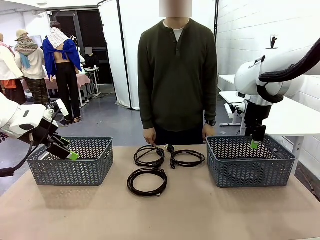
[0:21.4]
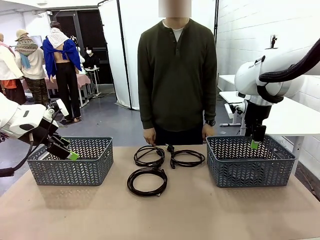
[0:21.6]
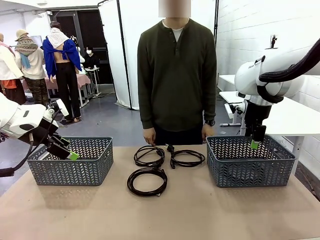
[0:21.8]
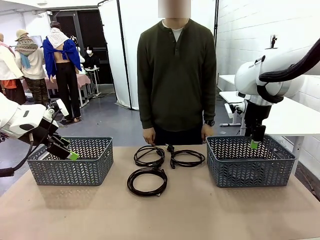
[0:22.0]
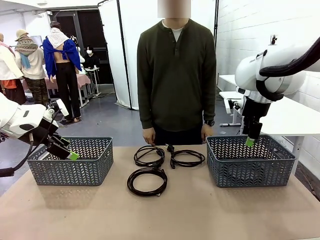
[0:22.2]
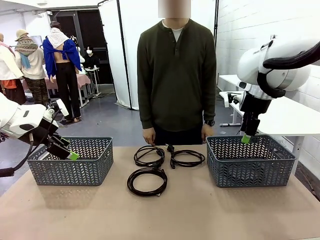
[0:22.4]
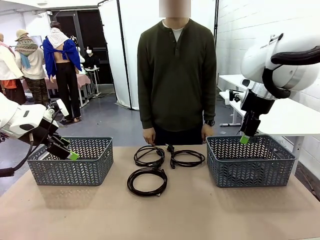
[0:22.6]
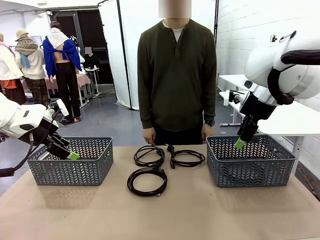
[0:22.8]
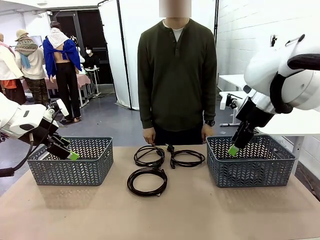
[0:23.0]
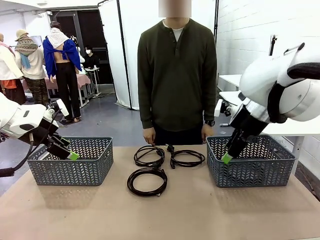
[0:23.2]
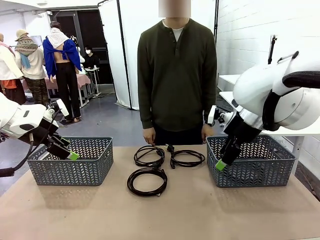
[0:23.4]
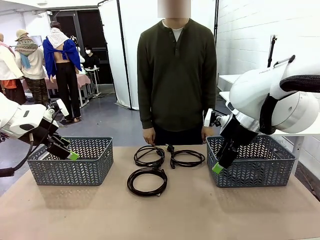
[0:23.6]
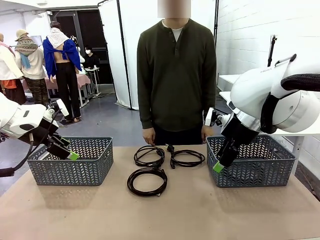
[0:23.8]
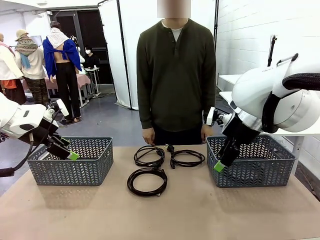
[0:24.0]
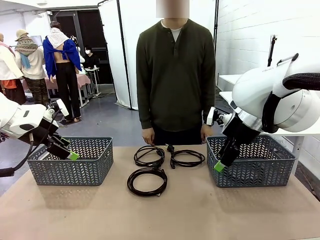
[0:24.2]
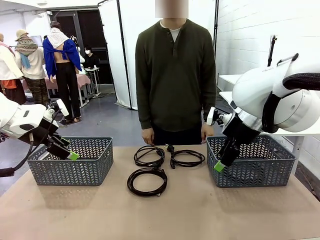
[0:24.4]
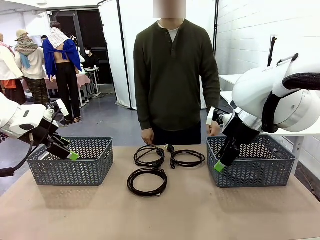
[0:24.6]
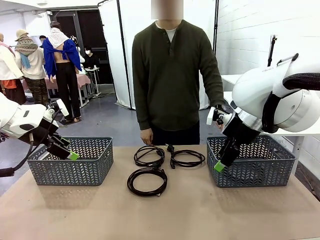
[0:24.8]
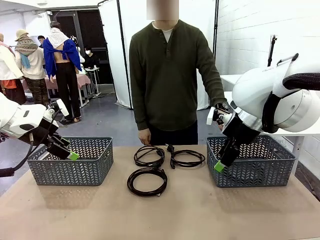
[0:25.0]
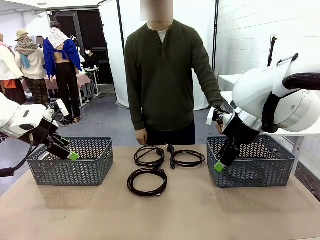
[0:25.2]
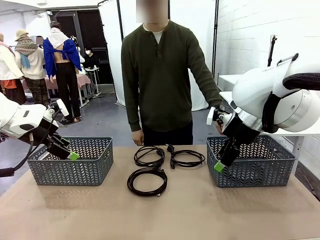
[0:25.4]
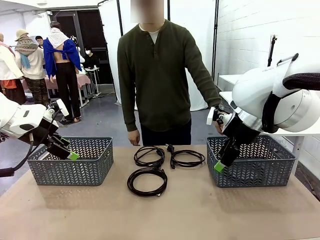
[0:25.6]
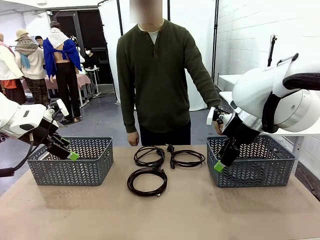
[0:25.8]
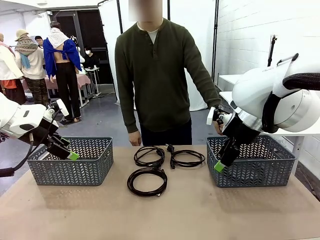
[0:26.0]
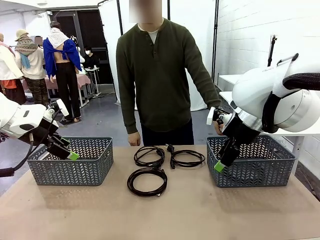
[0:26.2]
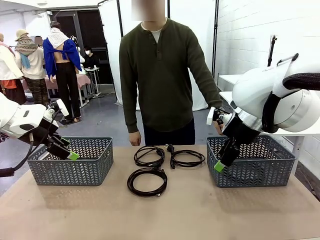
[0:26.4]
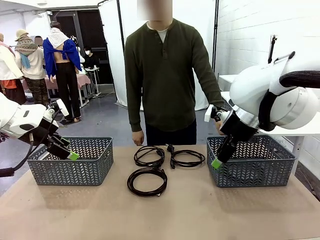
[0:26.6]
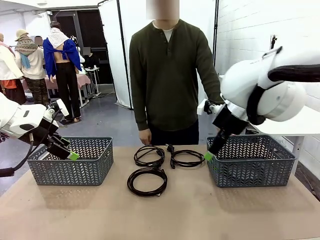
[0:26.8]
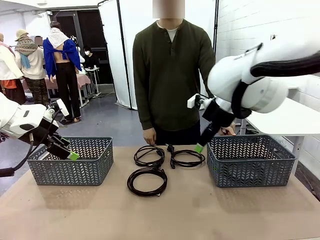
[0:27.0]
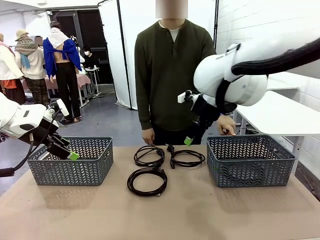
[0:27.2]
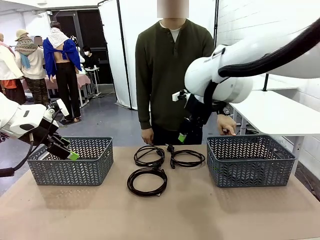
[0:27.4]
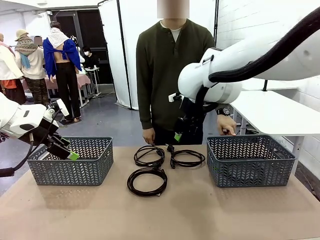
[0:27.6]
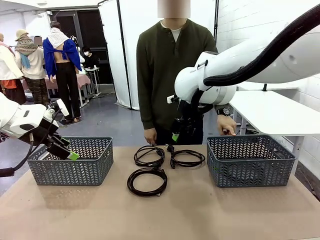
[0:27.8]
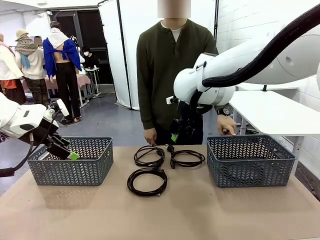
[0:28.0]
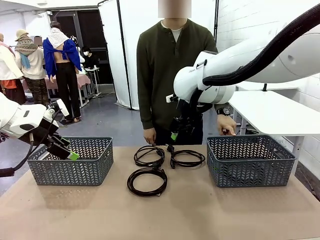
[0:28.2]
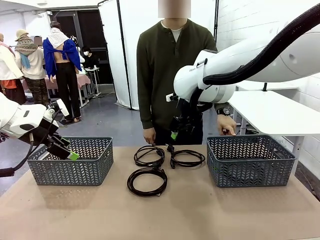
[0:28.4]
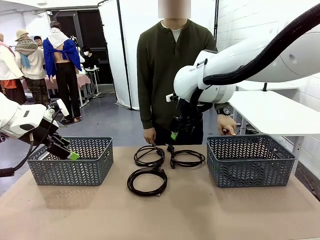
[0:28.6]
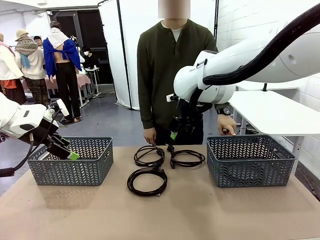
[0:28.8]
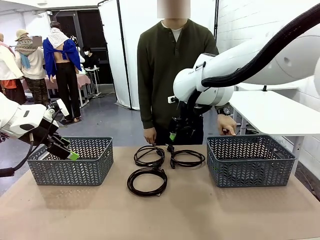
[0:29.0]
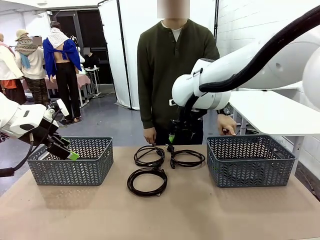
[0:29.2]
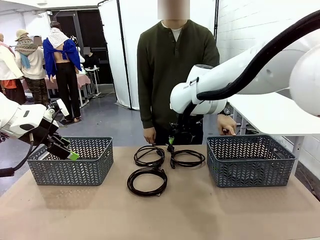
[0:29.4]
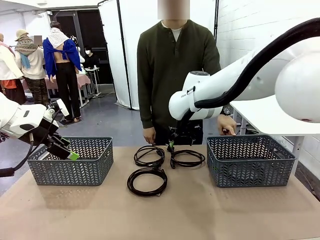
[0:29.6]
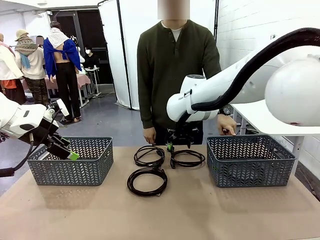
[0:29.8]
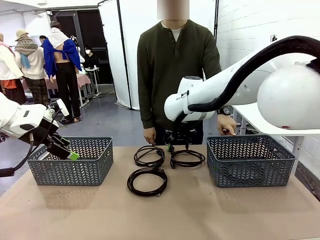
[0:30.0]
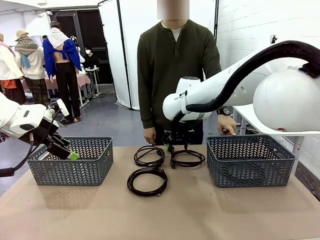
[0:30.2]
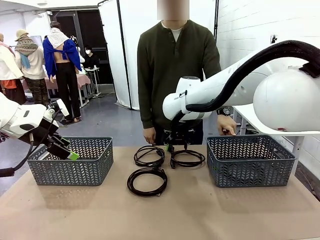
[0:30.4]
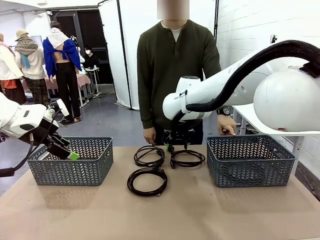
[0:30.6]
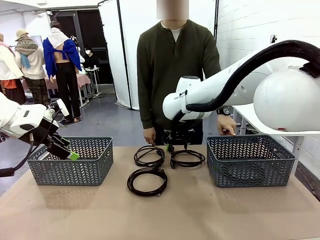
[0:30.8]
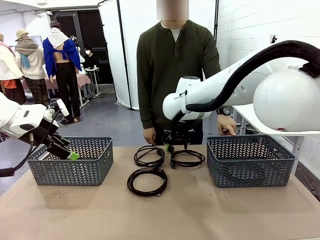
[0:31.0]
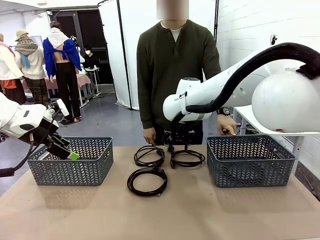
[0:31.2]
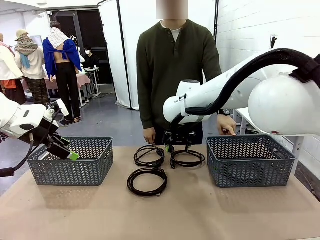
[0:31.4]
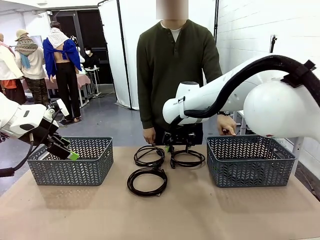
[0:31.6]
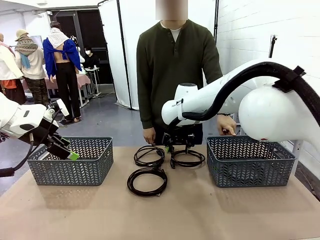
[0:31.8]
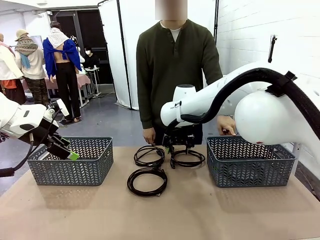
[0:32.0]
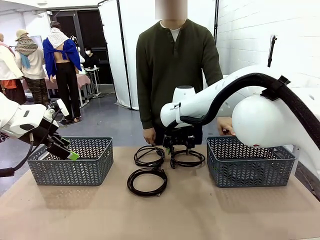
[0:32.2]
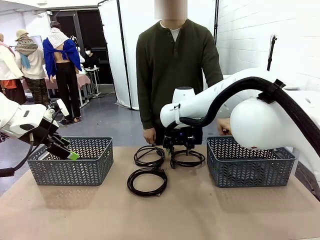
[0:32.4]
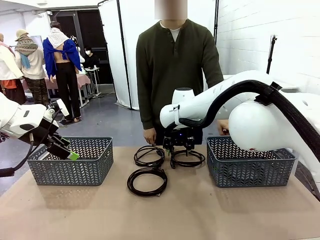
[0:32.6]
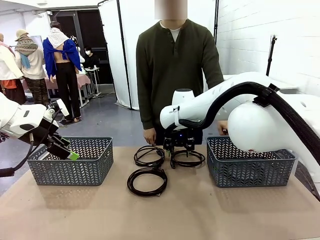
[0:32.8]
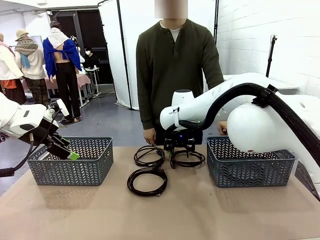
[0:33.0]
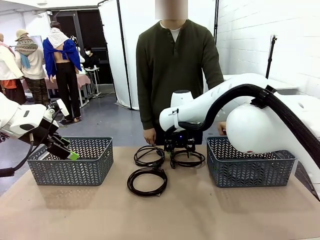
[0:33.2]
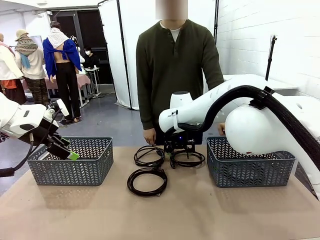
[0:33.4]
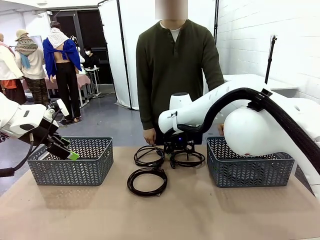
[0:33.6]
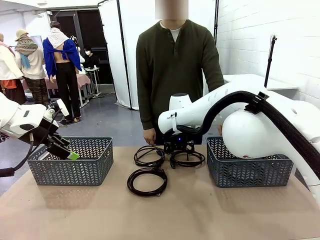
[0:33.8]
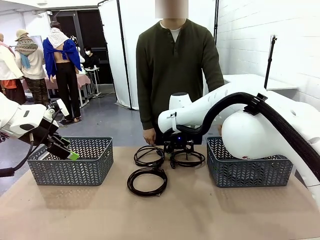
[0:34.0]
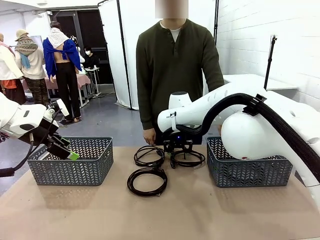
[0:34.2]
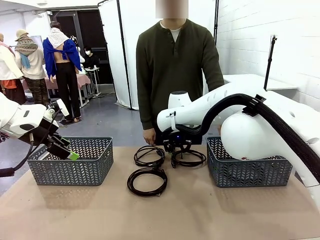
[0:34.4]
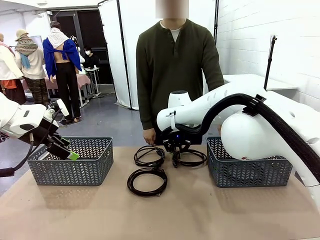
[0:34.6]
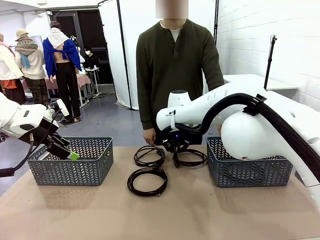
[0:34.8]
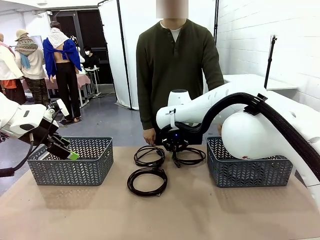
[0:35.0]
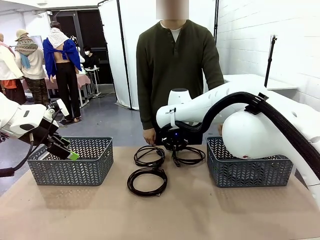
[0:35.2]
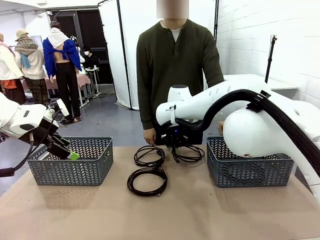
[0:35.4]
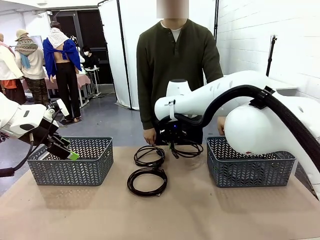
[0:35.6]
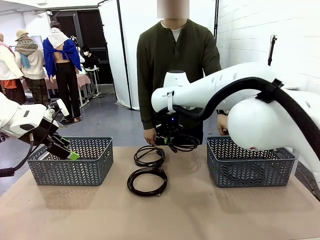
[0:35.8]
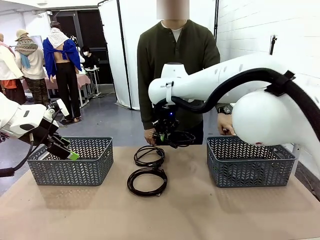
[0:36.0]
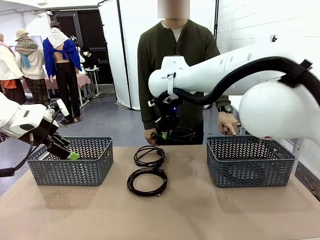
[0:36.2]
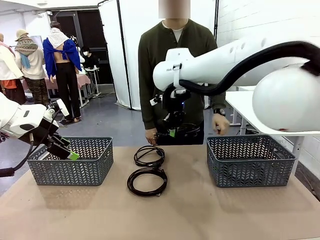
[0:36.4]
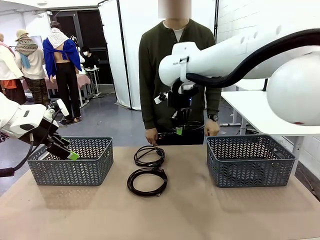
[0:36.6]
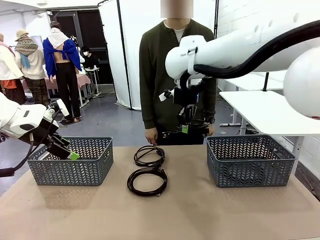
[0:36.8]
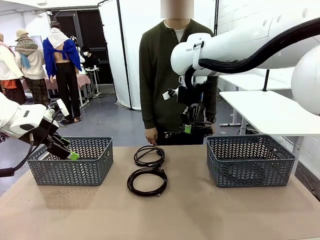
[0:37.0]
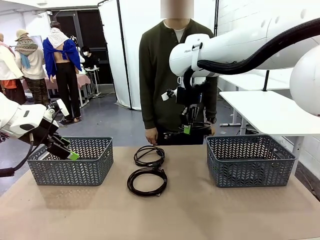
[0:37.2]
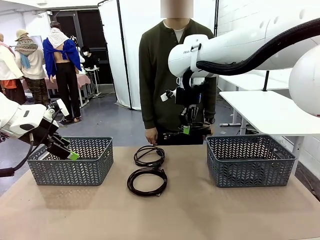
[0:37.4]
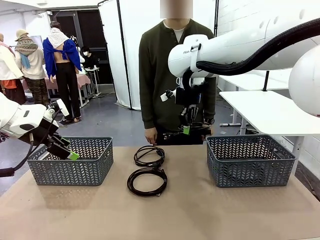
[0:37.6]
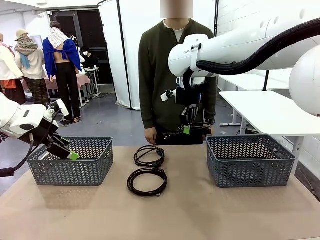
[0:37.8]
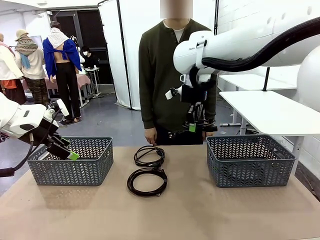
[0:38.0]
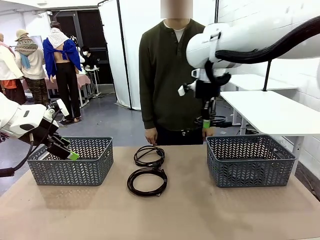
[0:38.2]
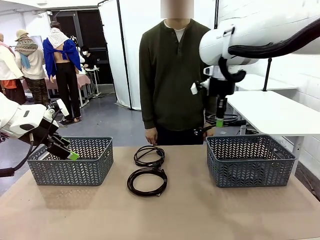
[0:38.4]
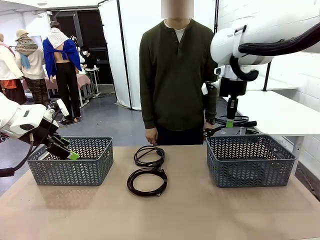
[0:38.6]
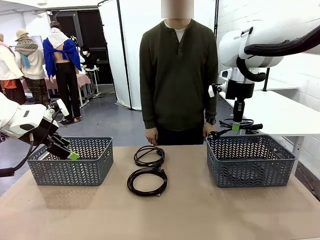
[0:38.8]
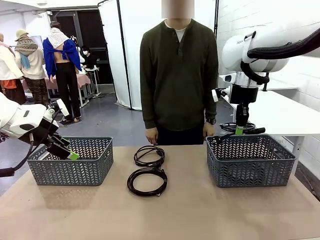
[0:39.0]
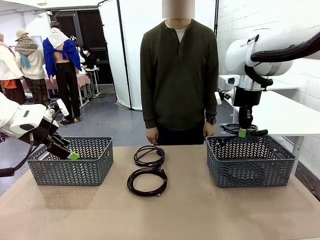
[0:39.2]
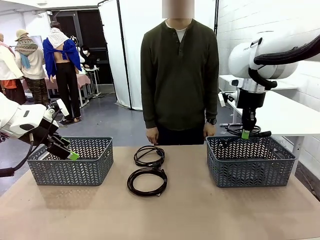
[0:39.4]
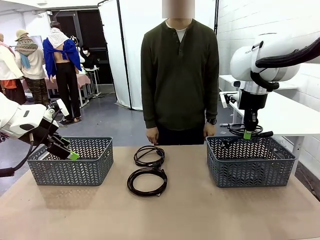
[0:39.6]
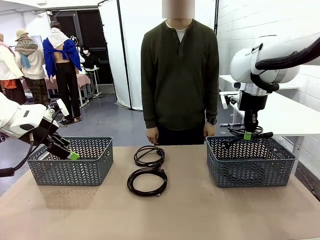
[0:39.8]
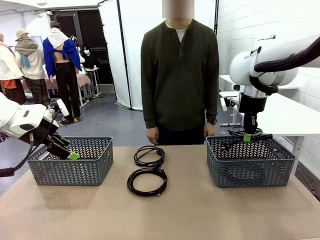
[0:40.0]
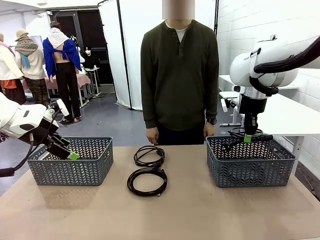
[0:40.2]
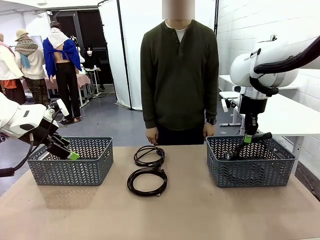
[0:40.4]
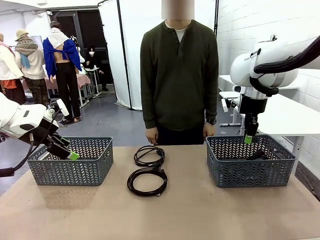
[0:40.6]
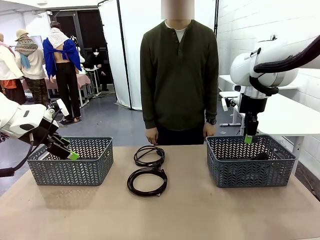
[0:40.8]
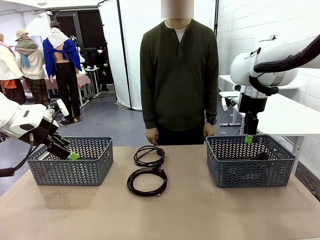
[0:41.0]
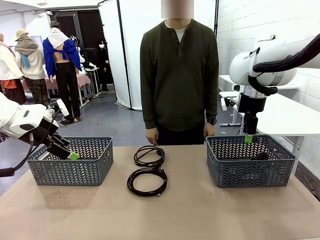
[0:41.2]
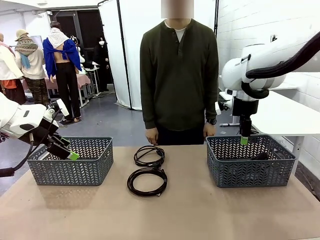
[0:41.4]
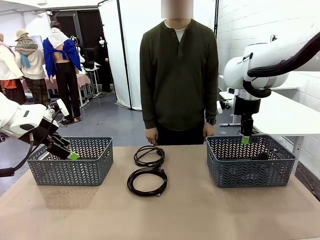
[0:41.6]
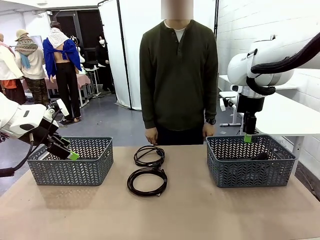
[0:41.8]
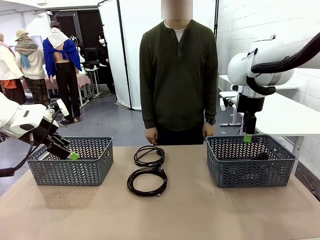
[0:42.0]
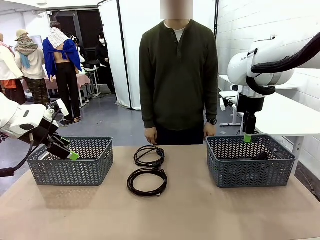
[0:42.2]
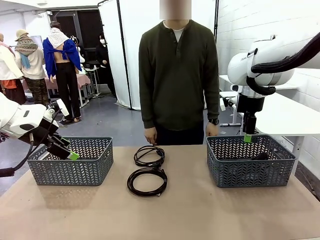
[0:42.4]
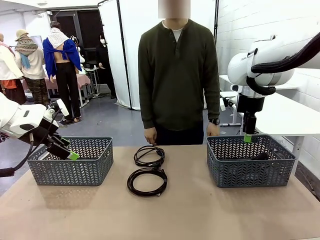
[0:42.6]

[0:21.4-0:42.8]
Task: Organize the cables according to human instructions.
Robot: Pick up a bundle of cables and place it in the basket indicated by the human.
